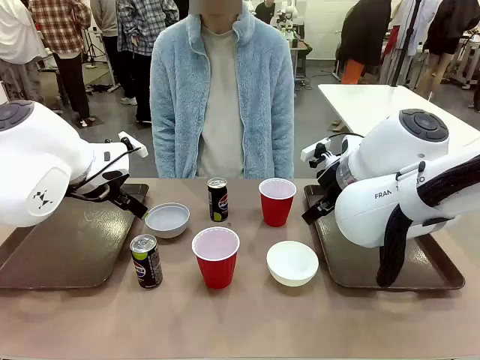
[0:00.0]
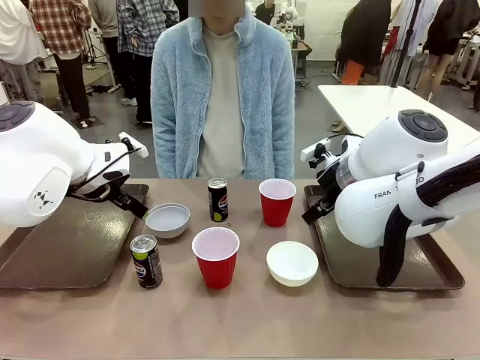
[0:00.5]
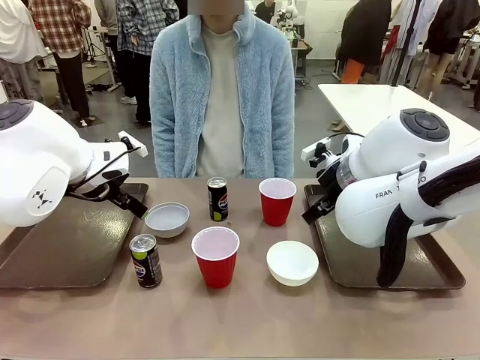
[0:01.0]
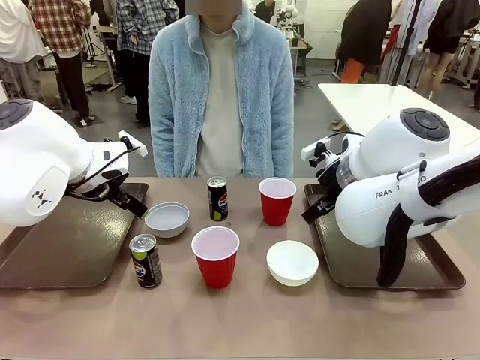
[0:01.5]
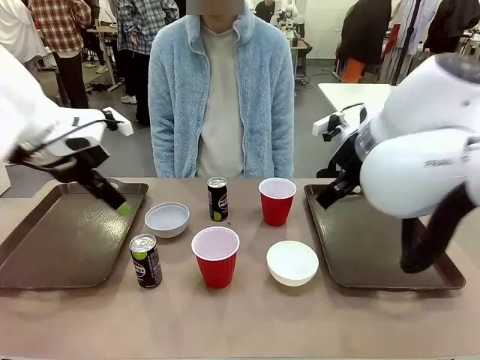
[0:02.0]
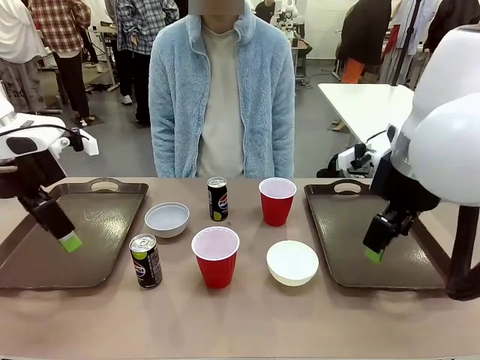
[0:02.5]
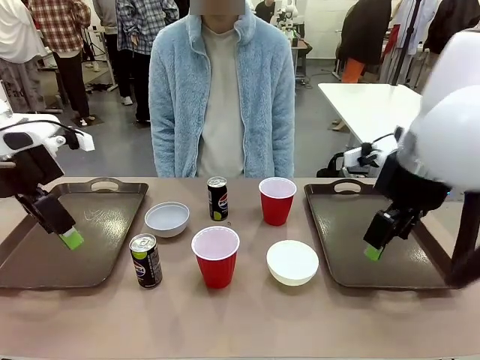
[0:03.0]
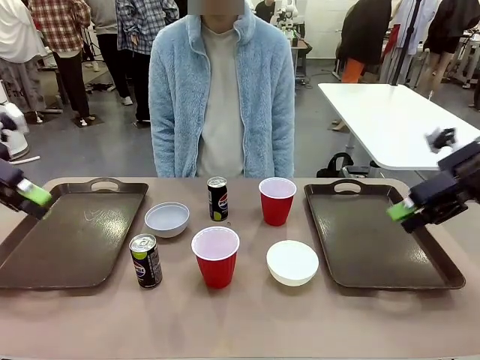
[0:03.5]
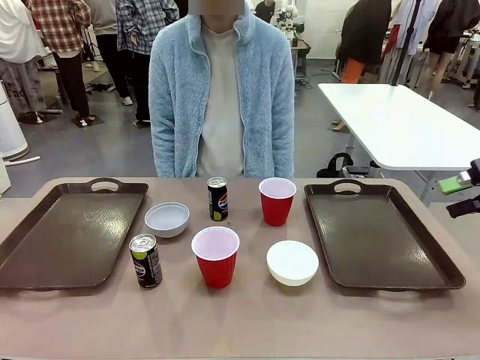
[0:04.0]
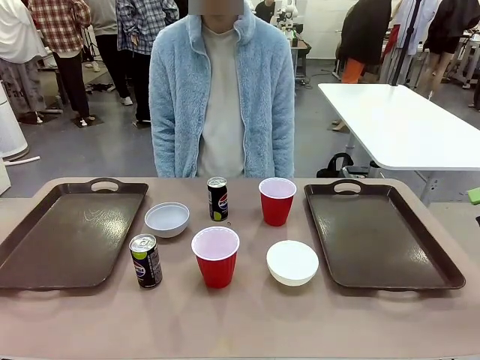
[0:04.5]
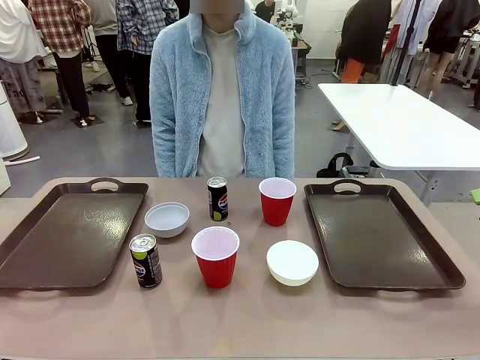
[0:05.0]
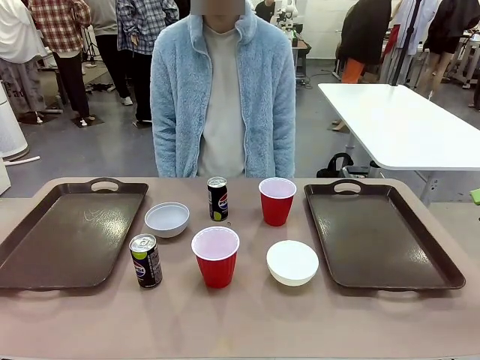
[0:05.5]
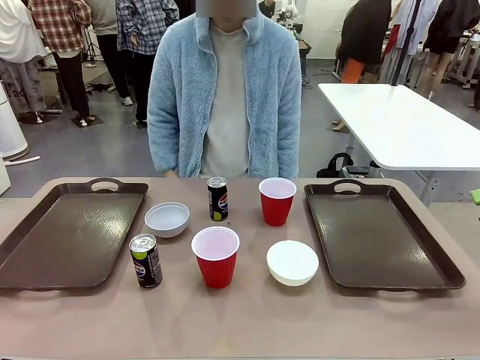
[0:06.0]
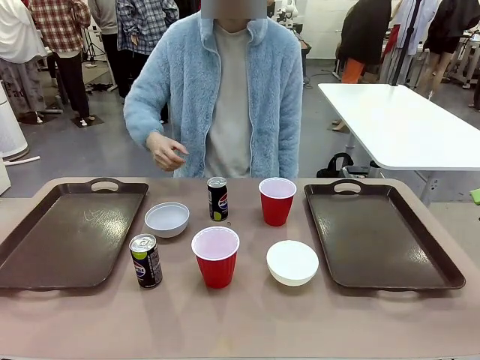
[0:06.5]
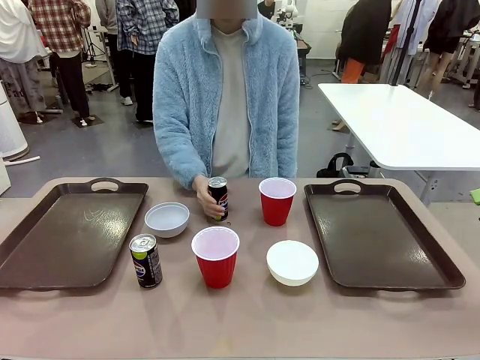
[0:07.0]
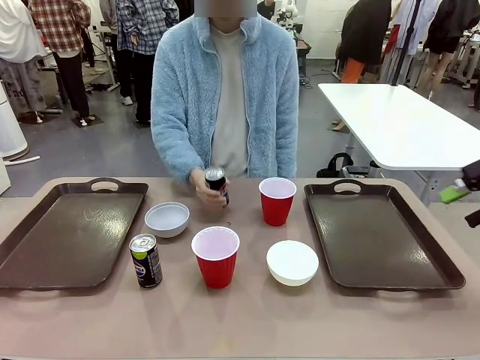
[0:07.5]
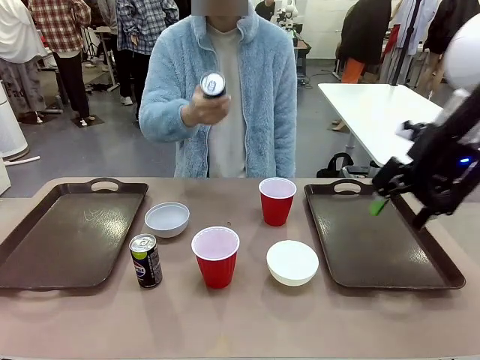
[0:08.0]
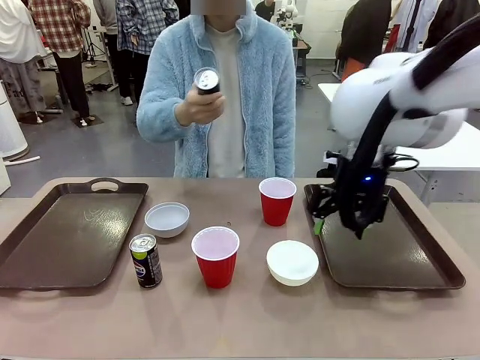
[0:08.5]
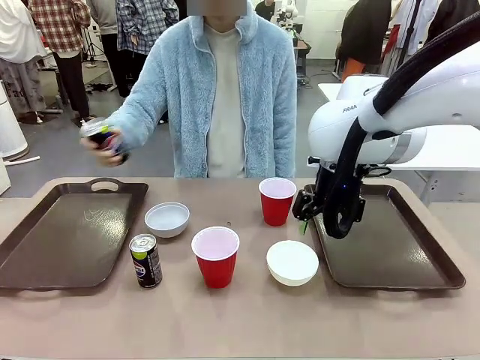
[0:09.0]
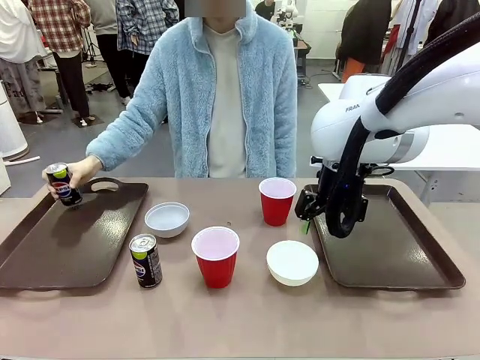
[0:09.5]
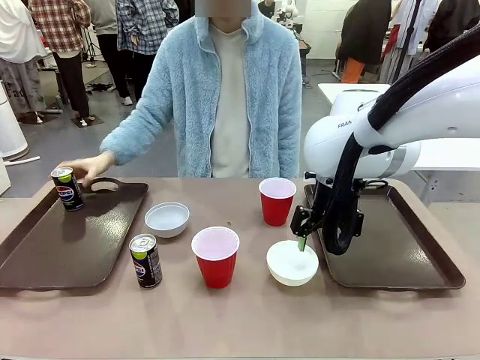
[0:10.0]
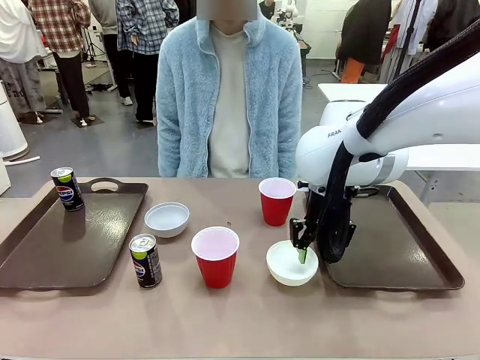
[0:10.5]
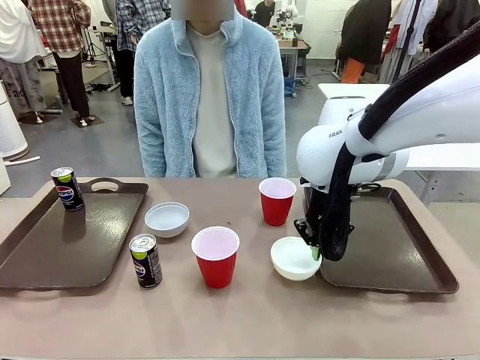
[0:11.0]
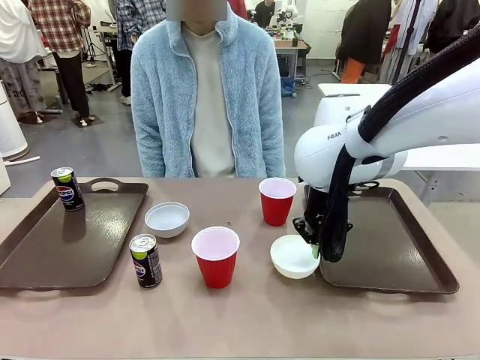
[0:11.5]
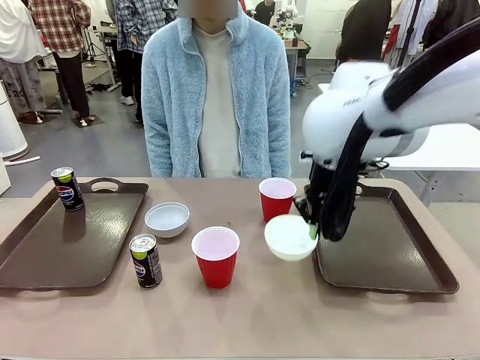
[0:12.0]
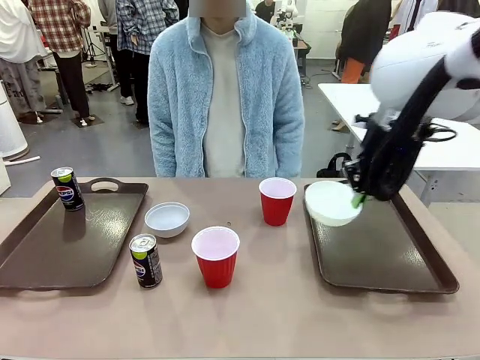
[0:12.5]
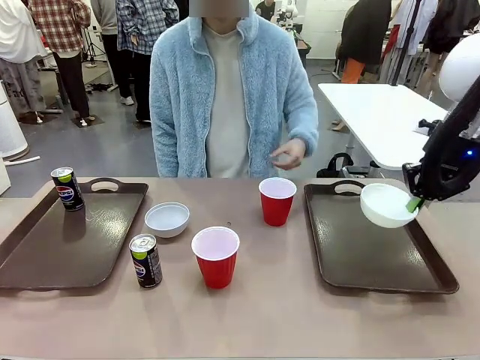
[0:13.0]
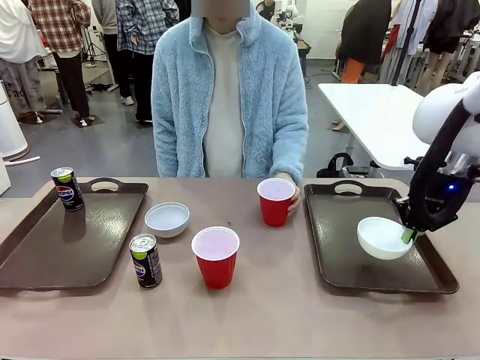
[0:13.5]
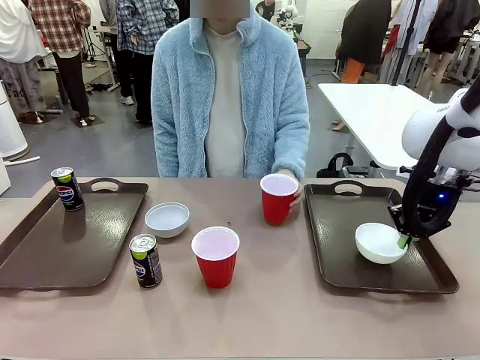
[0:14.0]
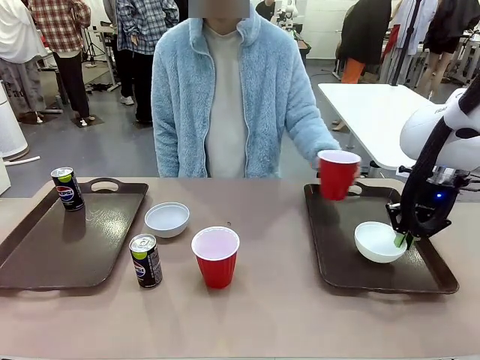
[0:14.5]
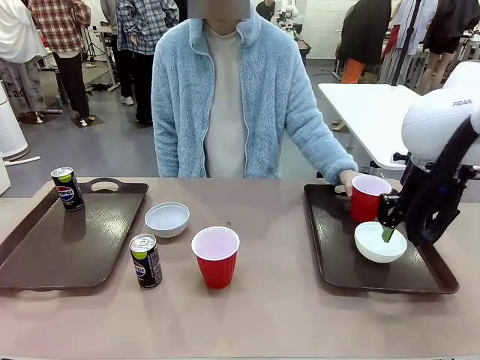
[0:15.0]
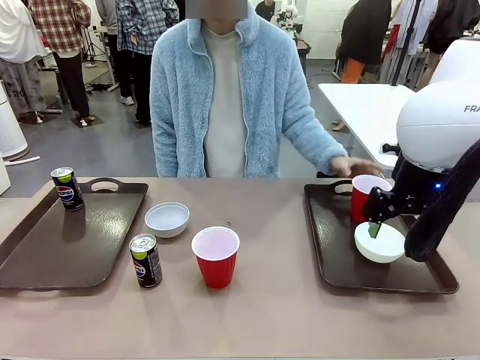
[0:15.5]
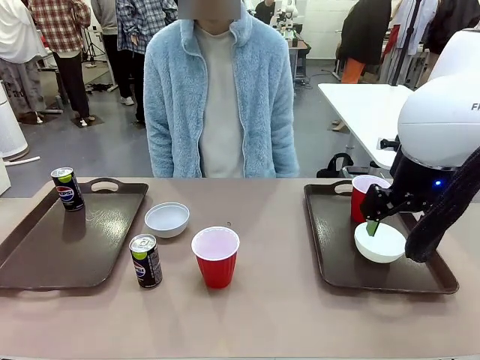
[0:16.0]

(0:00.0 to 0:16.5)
Task: Prepare tableware on both trays.
Robot: Pick up a Picnic Bowl from the table and place it on a Handle tray.
Person: Pick up a can or cup and place it on the tray.
